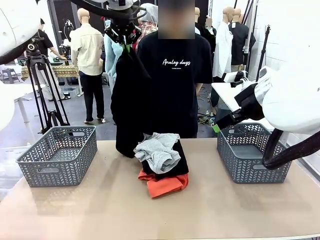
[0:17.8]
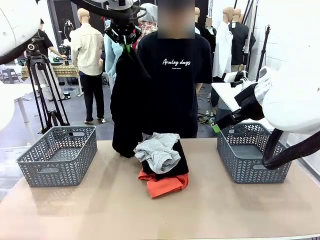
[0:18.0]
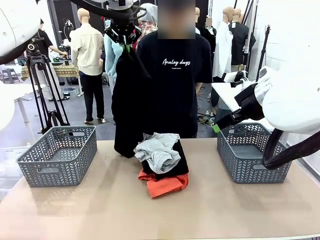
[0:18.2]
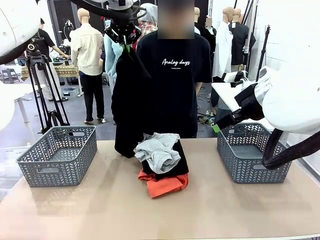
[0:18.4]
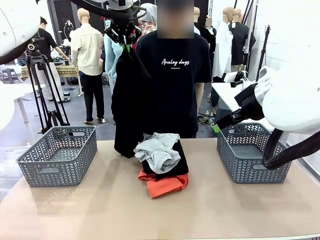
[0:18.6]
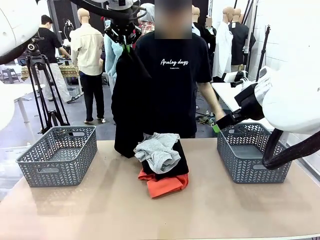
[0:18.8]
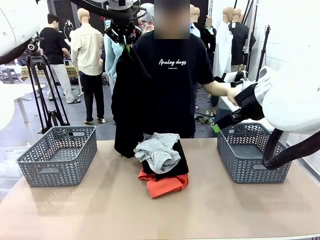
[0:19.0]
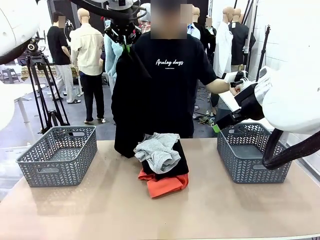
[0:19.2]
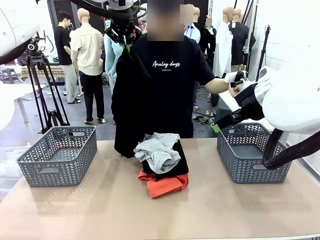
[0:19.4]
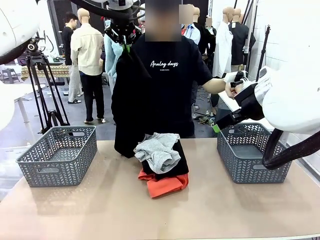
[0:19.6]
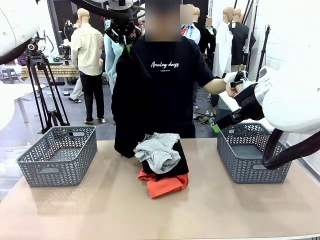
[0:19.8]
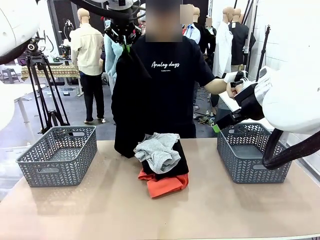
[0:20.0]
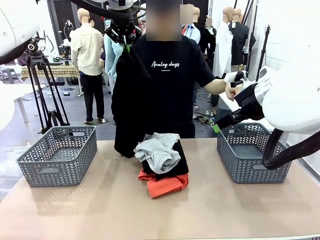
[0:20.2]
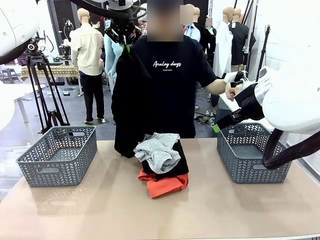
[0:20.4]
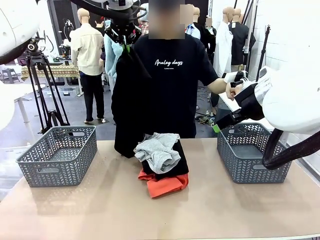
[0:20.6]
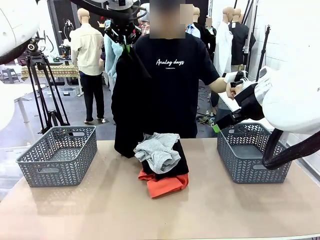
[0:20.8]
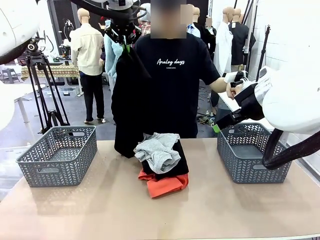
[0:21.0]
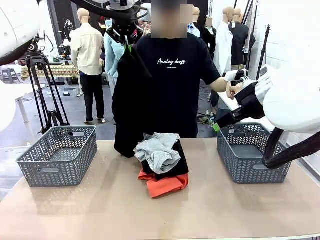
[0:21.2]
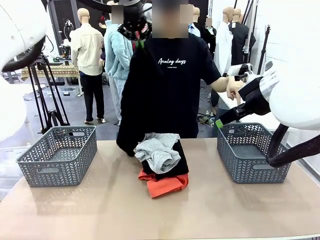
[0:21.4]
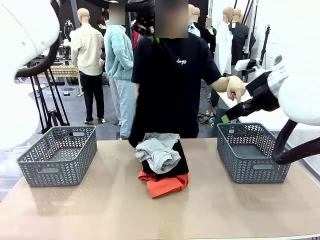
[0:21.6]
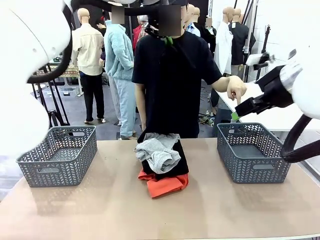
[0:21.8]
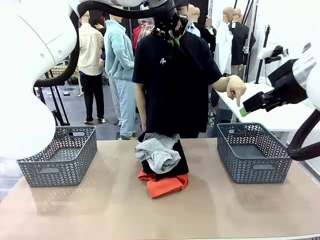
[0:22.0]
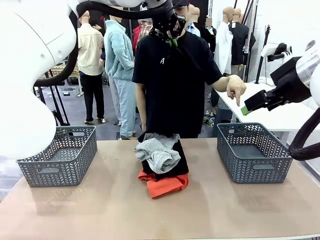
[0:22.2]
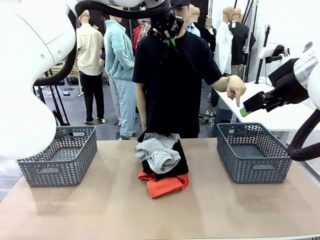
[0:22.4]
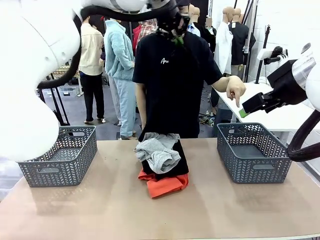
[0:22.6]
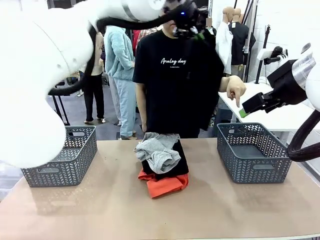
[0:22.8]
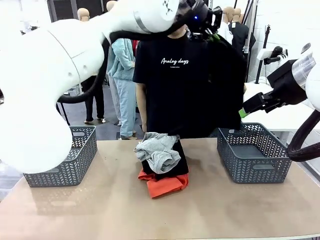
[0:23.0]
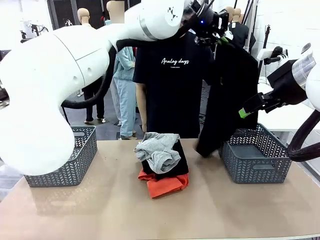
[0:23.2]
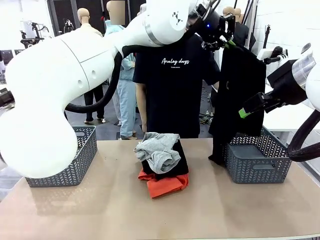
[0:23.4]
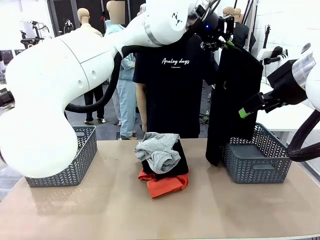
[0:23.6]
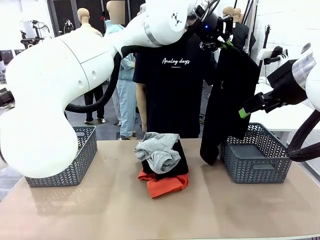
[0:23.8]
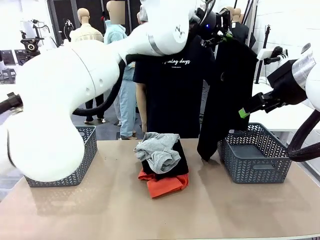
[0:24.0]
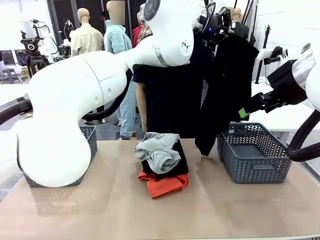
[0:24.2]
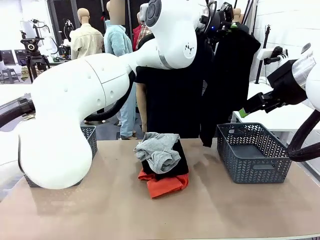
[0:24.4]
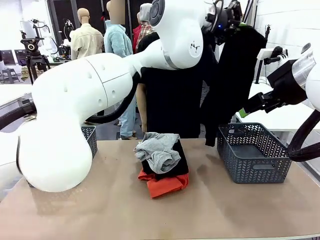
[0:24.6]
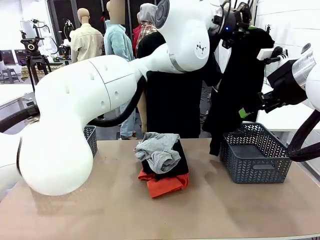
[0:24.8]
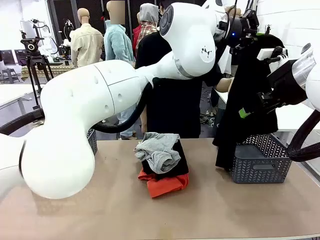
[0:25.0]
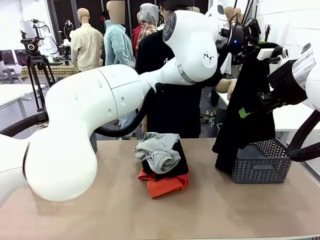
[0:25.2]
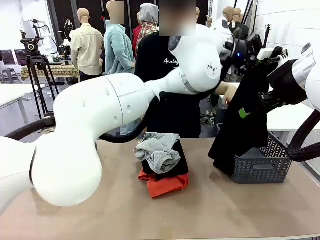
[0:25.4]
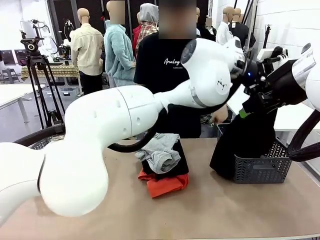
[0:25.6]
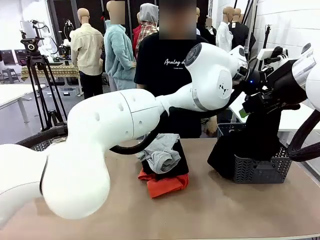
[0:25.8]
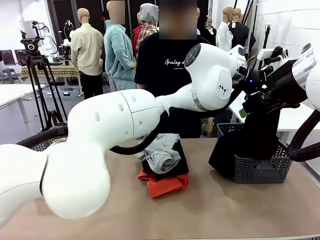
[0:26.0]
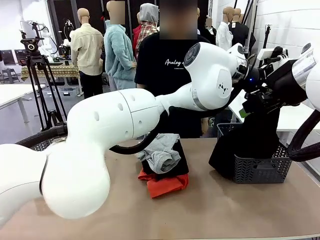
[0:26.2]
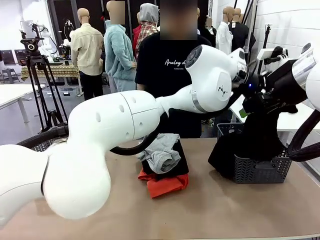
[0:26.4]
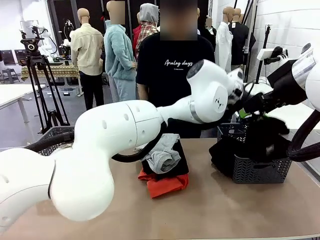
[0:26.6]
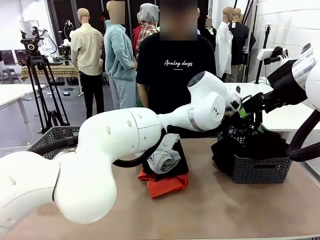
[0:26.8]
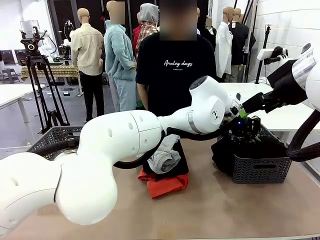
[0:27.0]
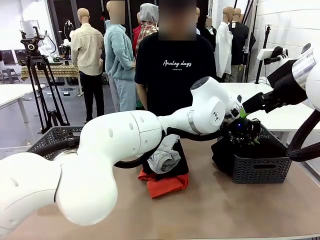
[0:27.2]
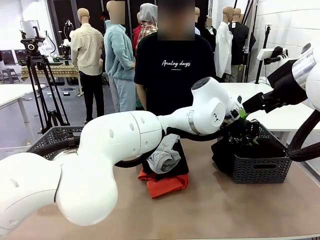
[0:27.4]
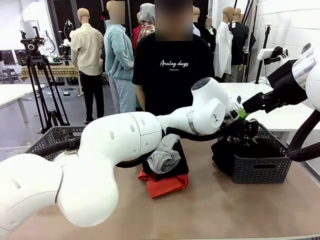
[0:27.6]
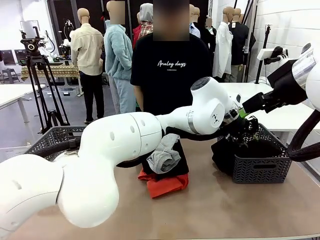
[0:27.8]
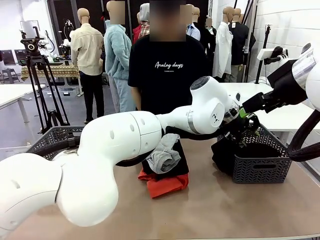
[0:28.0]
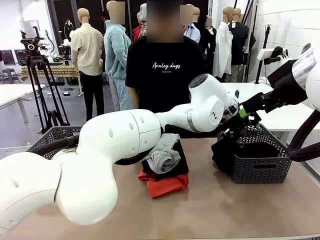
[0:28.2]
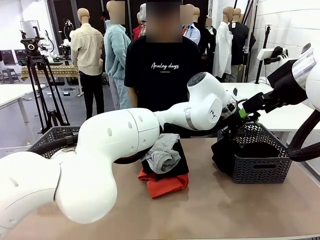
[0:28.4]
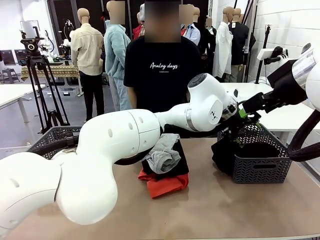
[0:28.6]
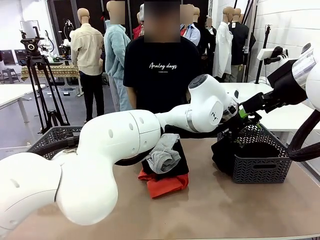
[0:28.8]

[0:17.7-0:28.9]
Task: Sort the tops and bottoms.
Robot: Sort the clothes according to human instructions.

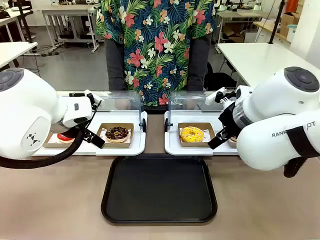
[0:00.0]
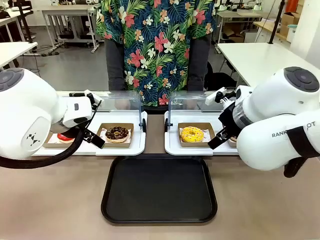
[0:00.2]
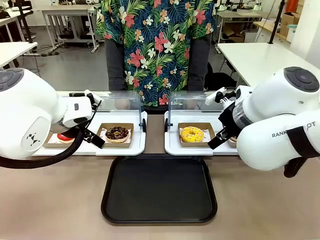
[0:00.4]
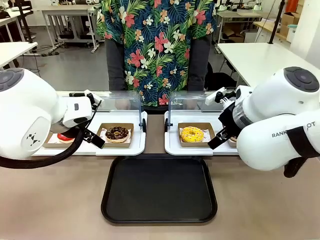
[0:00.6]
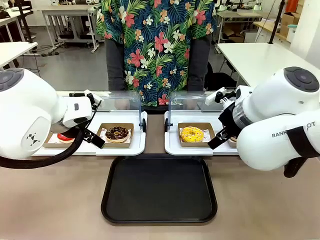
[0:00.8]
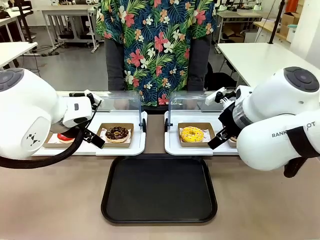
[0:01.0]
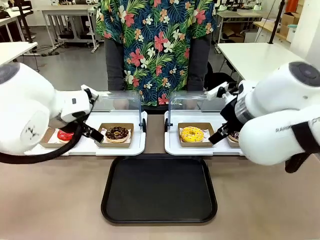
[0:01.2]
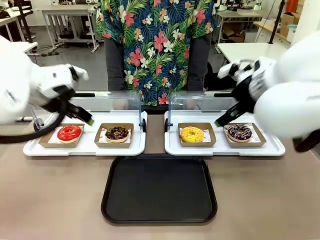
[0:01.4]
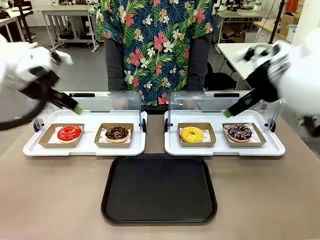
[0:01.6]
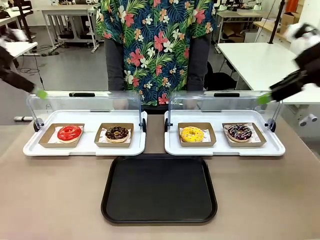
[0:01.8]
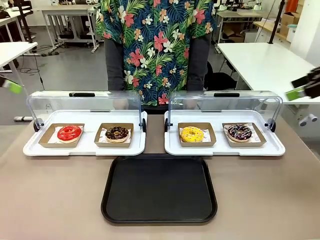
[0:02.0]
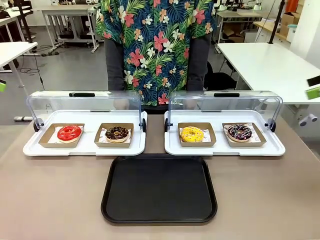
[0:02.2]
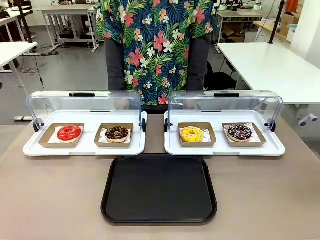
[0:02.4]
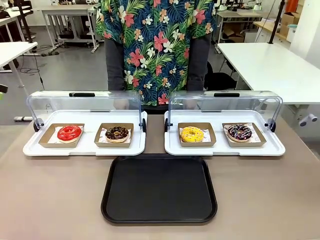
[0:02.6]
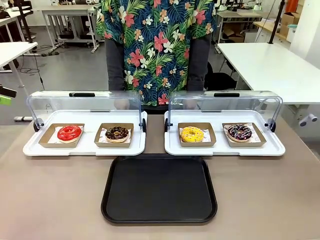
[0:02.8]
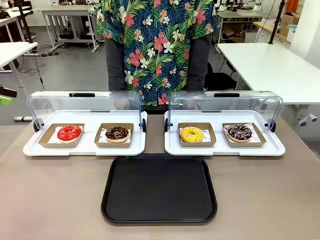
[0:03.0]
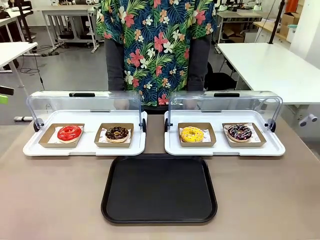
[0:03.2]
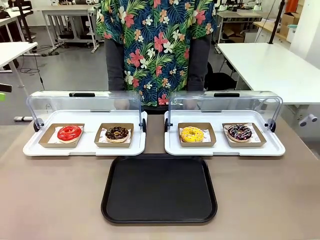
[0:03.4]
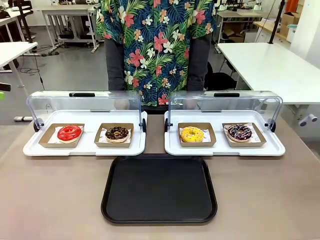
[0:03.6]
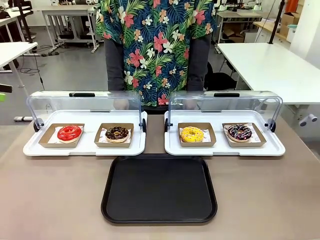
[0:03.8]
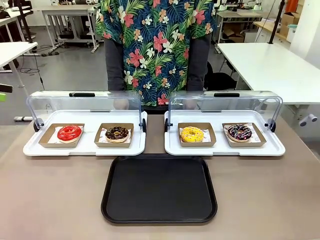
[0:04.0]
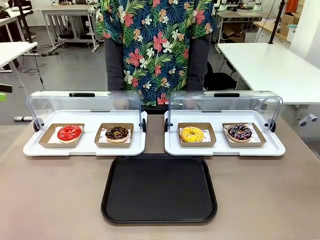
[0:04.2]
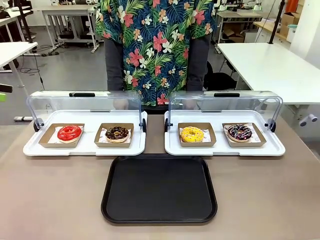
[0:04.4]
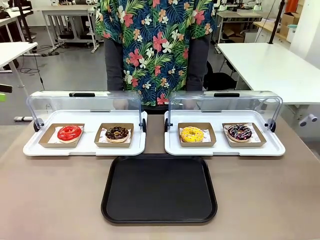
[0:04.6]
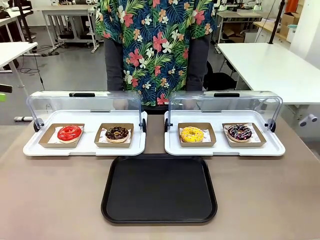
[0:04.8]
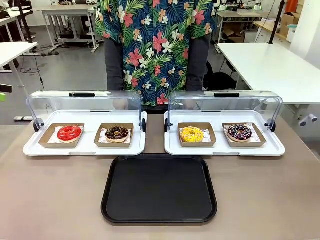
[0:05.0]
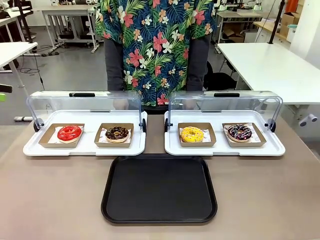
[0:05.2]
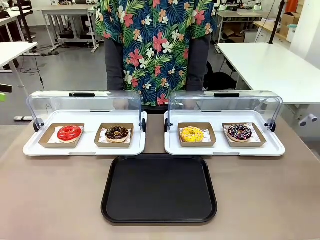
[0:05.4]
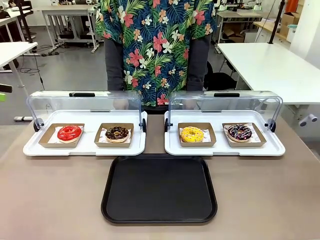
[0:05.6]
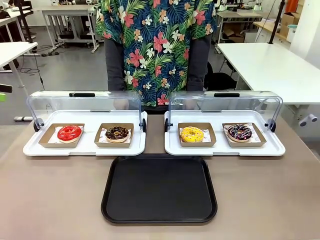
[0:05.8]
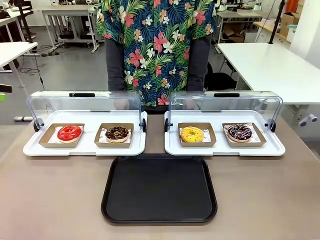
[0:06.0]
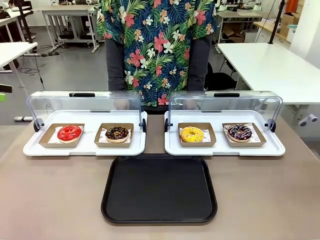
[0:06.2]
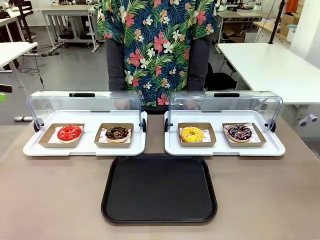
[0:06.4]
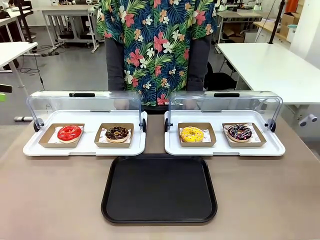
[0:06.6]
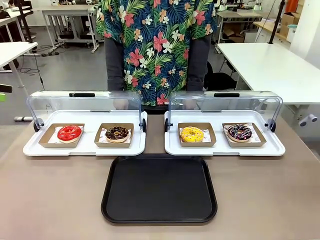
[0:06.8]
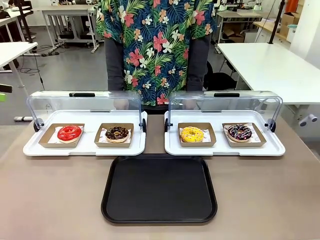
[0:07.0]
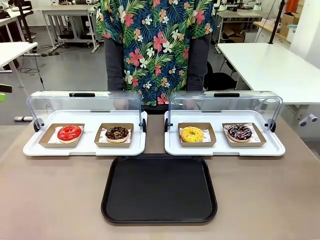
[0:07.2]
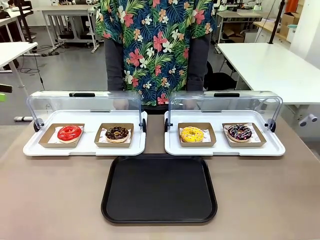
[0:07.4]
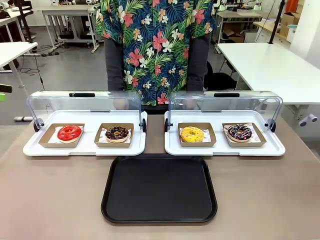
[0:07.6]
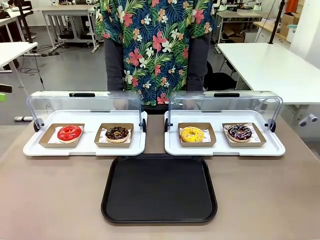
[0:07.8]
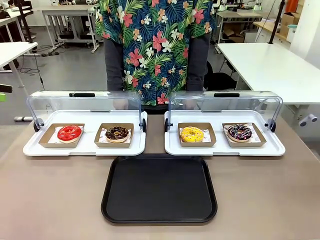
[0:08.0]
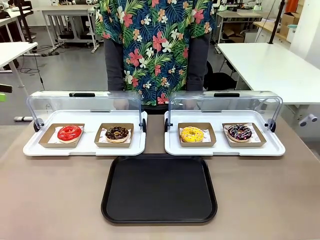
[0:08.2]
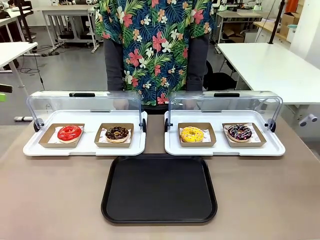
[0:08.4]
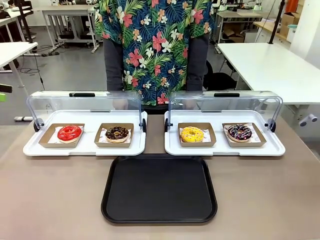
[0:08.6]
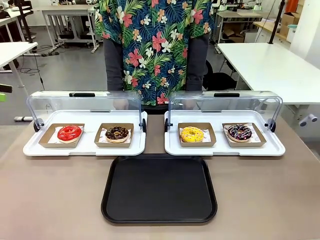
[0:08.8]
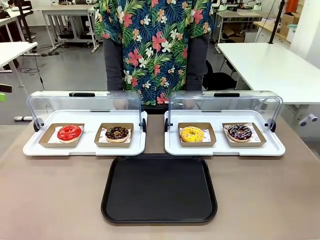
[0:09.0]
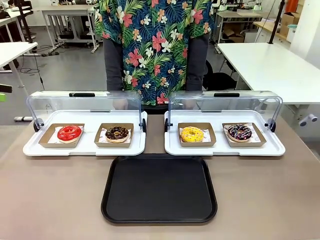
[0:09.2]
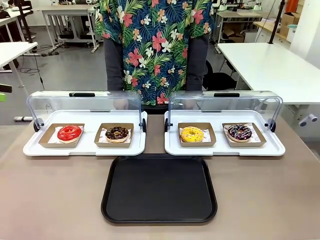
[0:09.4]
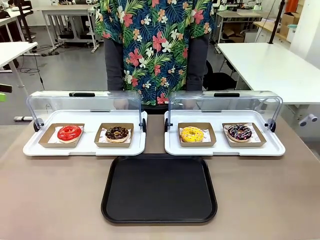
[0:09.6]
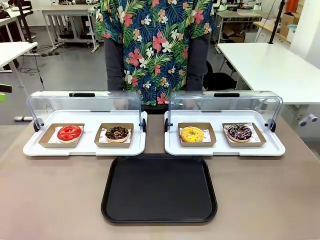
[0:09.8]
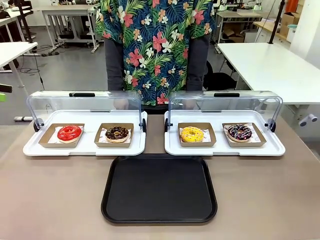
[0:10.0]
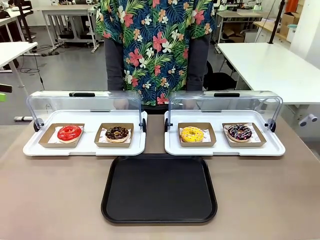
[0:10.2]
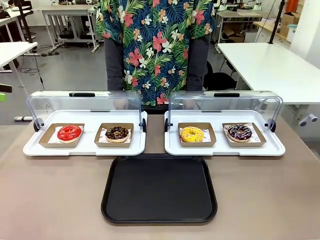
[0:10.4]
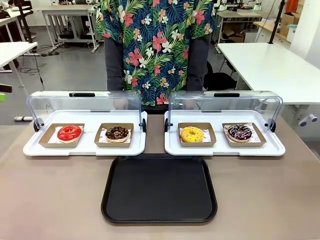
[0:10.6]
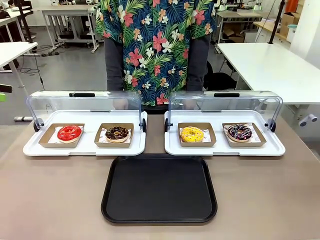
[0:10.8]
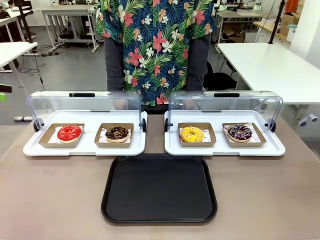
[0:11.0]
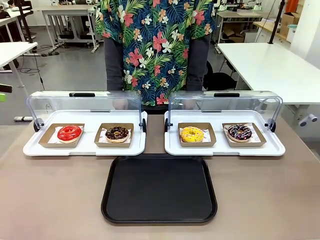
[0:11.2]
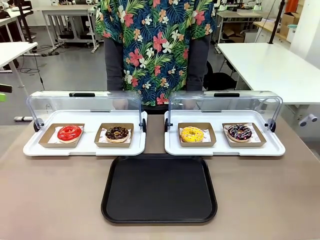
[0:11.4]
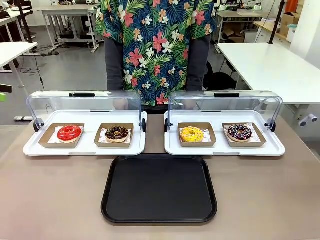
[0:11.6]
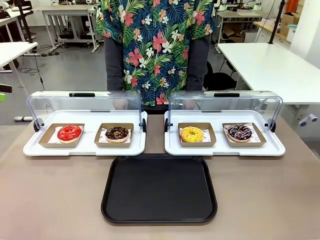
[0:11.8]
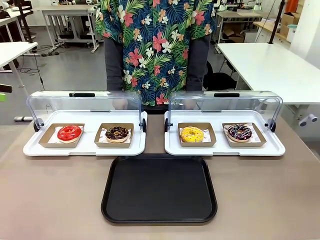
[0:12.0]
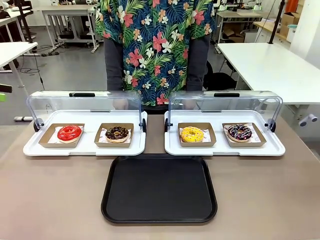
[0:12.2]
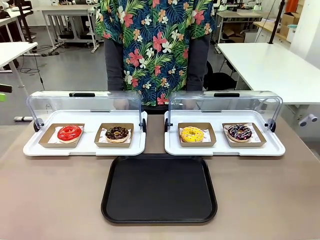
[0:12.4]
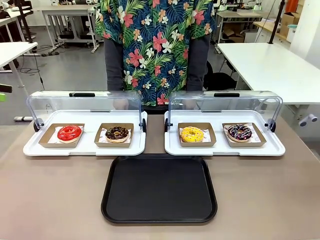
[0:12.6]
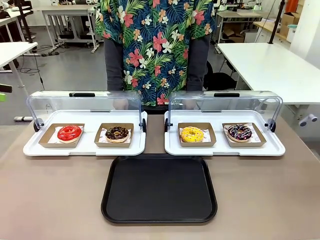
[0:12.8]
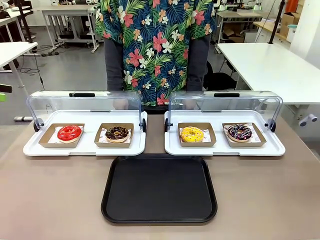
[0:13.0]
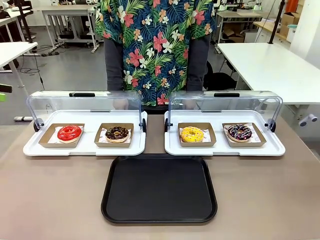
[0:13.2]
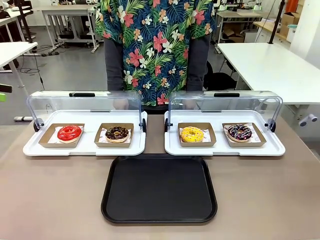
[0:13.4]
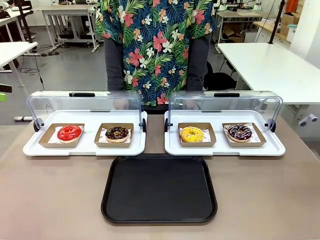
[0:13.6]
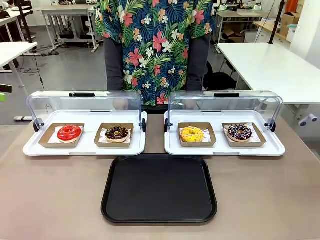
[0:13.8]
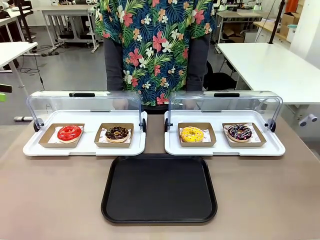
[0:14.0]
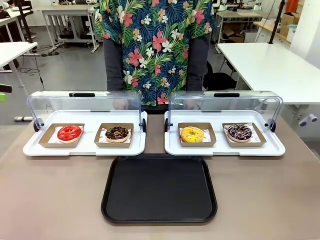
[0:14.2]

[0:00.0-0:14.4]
Task: Move the fourth donut from the left to the tray.
Robot: Pick up the Paper togo box containing the Donut indicated by the person and place it on the Handle tray.
